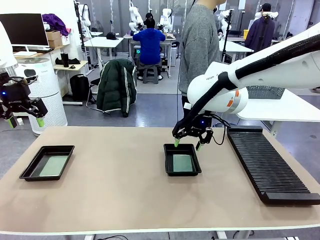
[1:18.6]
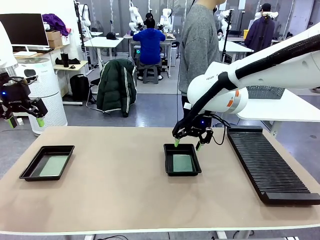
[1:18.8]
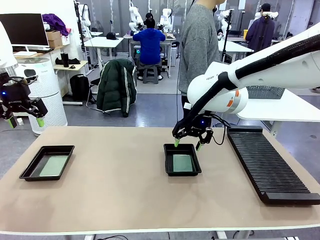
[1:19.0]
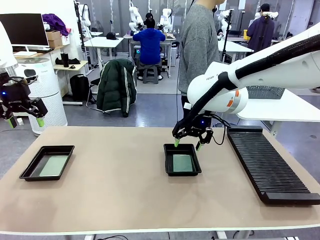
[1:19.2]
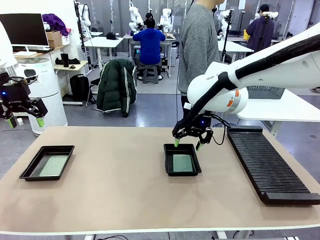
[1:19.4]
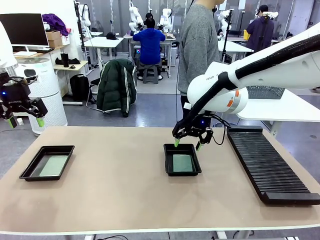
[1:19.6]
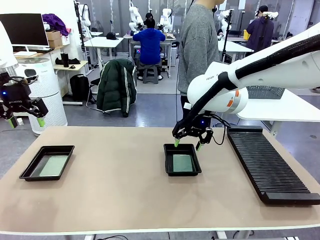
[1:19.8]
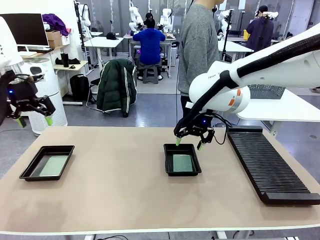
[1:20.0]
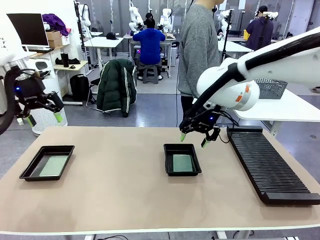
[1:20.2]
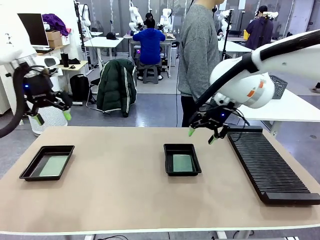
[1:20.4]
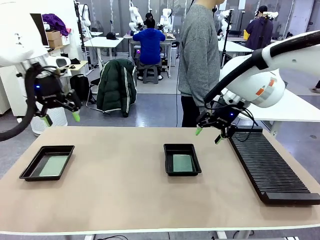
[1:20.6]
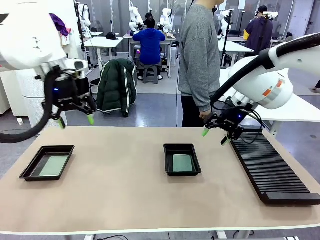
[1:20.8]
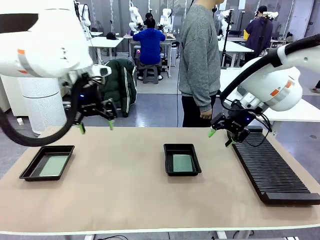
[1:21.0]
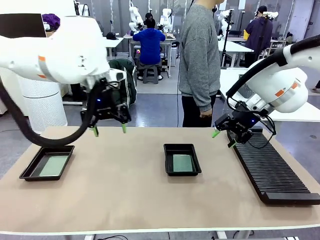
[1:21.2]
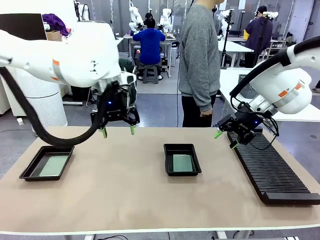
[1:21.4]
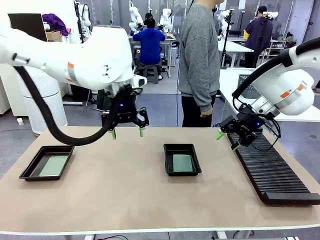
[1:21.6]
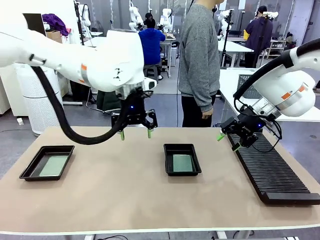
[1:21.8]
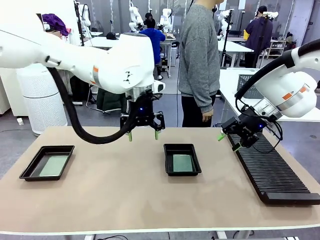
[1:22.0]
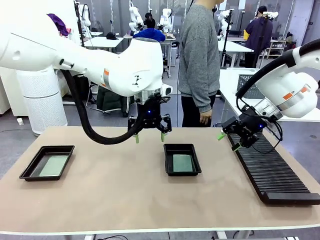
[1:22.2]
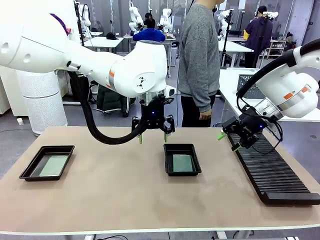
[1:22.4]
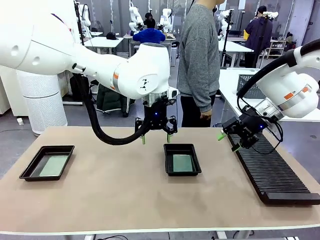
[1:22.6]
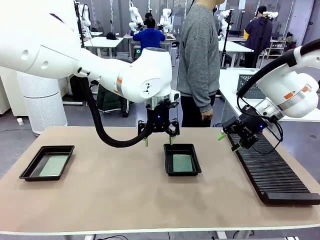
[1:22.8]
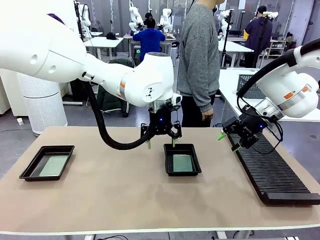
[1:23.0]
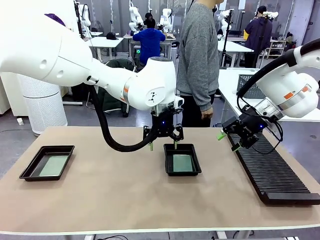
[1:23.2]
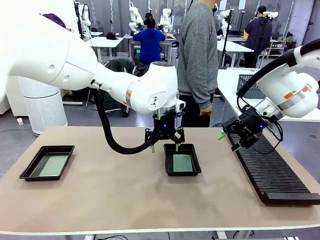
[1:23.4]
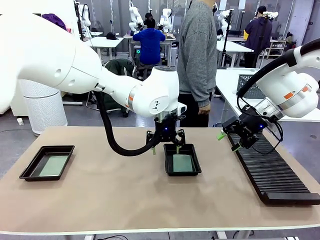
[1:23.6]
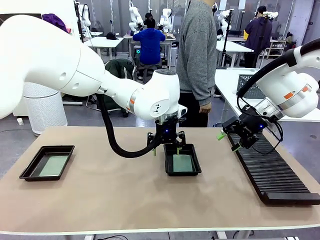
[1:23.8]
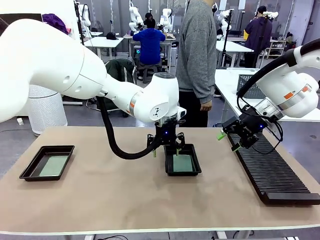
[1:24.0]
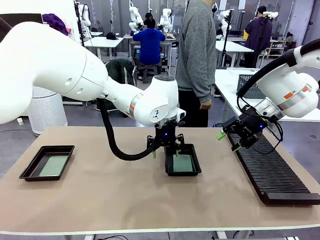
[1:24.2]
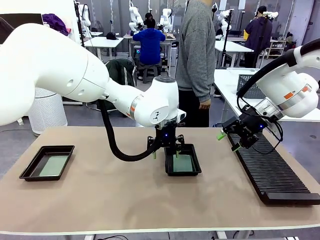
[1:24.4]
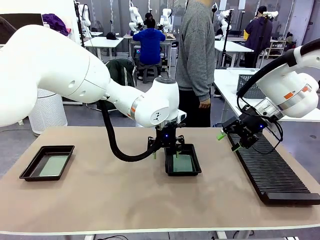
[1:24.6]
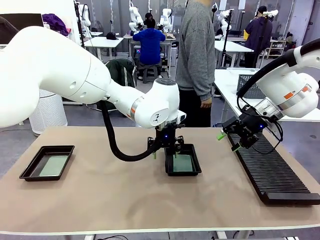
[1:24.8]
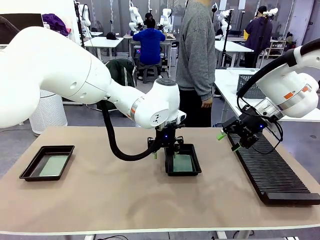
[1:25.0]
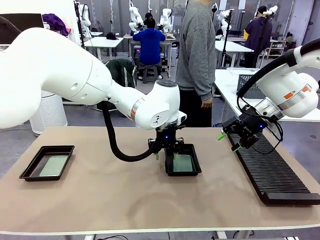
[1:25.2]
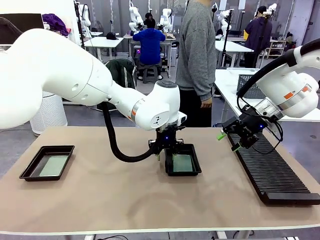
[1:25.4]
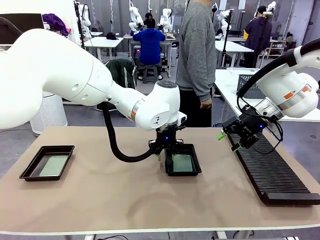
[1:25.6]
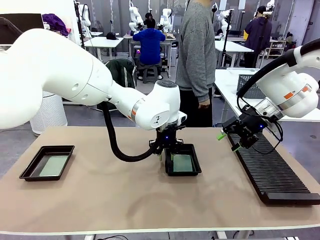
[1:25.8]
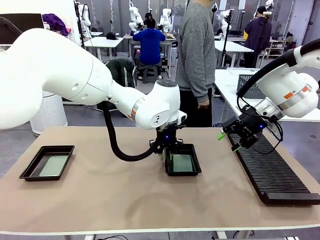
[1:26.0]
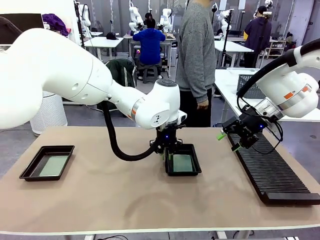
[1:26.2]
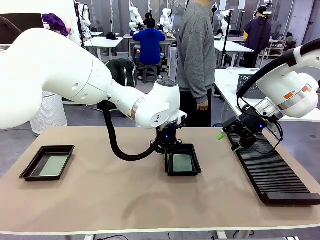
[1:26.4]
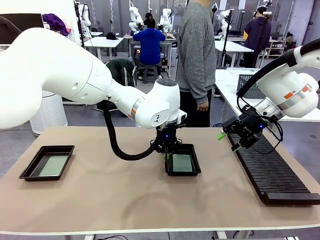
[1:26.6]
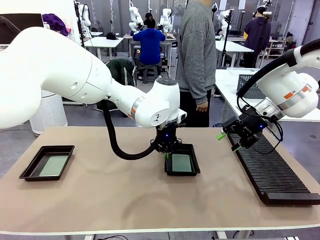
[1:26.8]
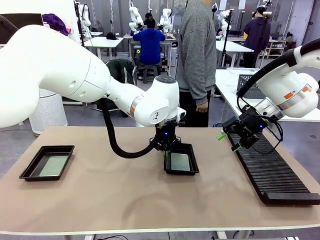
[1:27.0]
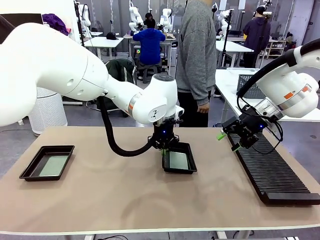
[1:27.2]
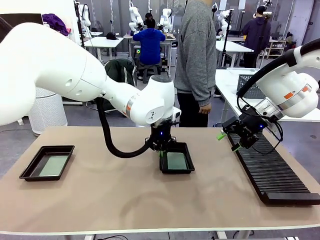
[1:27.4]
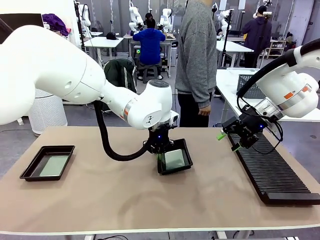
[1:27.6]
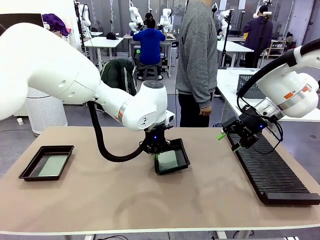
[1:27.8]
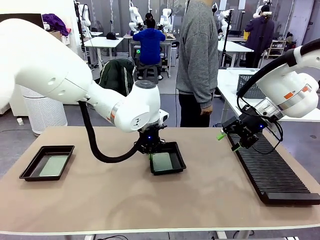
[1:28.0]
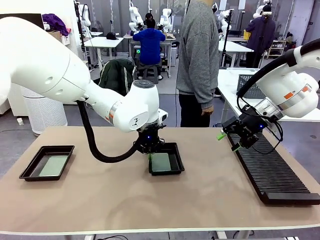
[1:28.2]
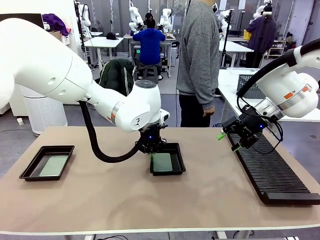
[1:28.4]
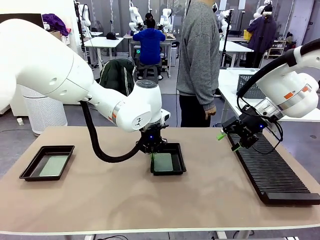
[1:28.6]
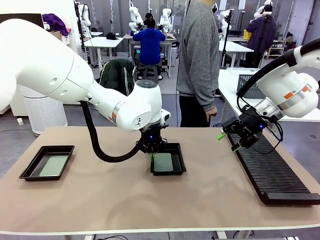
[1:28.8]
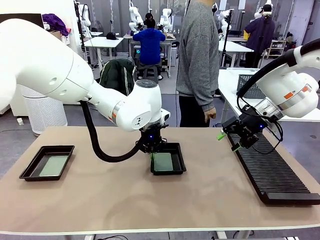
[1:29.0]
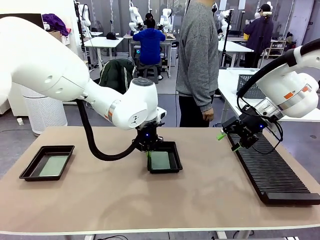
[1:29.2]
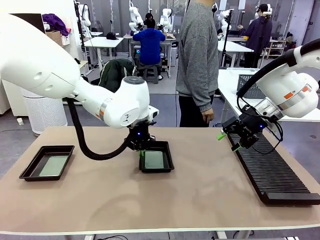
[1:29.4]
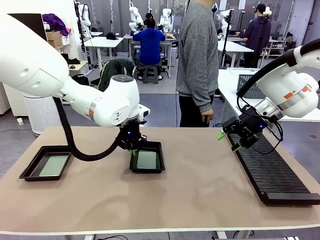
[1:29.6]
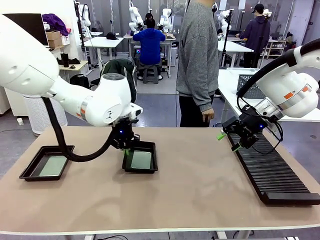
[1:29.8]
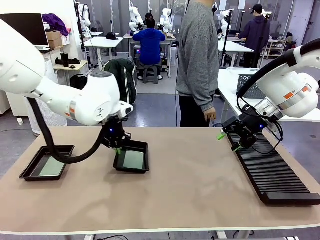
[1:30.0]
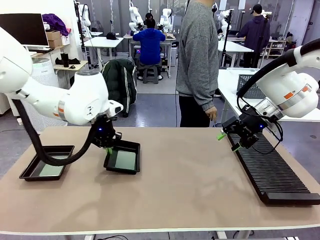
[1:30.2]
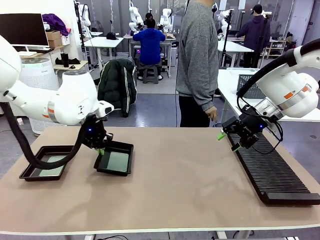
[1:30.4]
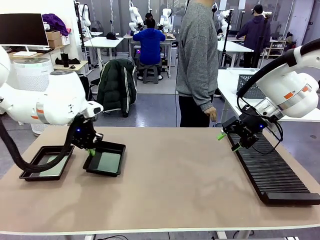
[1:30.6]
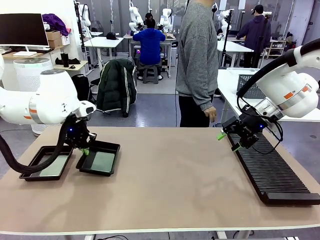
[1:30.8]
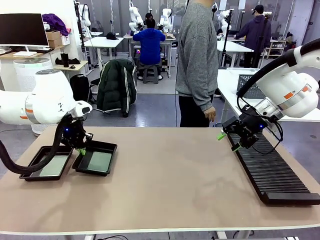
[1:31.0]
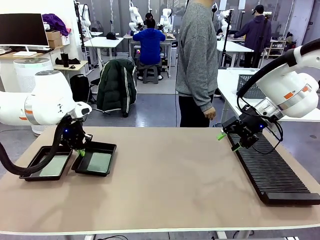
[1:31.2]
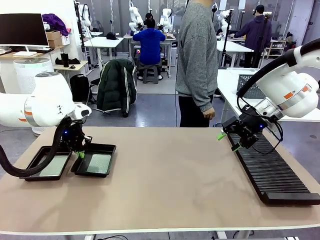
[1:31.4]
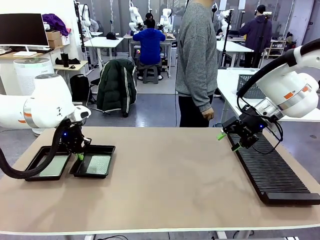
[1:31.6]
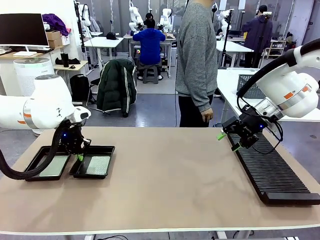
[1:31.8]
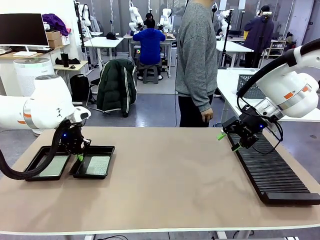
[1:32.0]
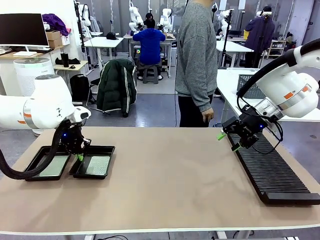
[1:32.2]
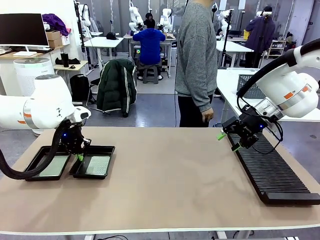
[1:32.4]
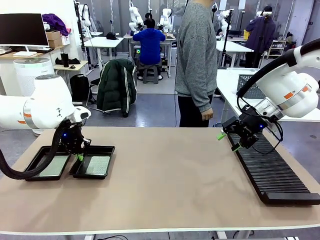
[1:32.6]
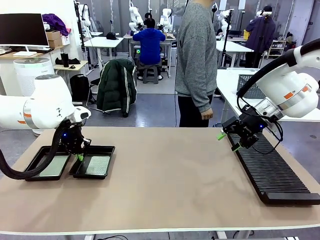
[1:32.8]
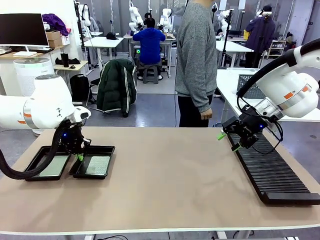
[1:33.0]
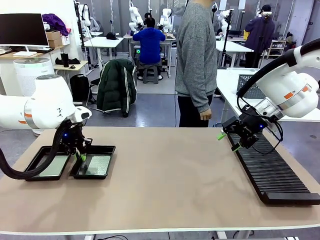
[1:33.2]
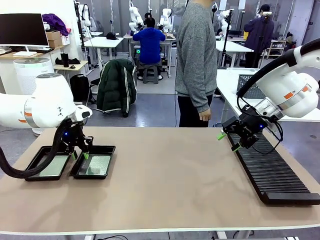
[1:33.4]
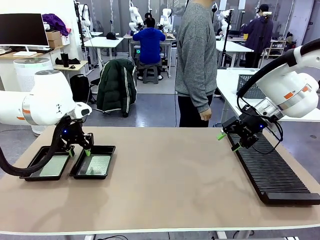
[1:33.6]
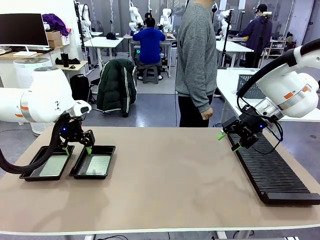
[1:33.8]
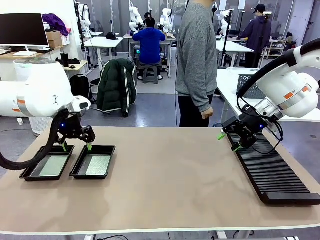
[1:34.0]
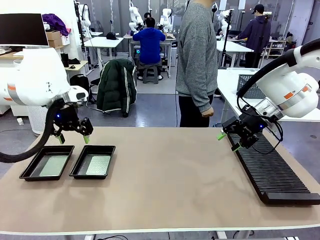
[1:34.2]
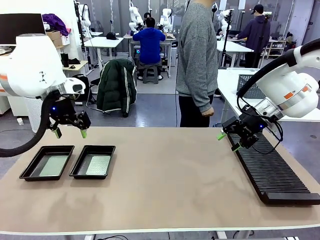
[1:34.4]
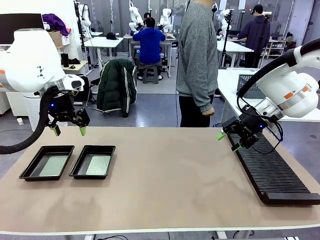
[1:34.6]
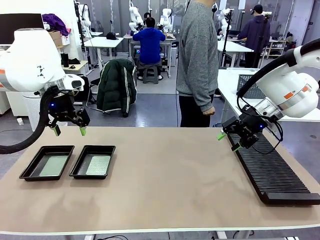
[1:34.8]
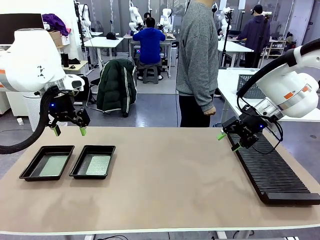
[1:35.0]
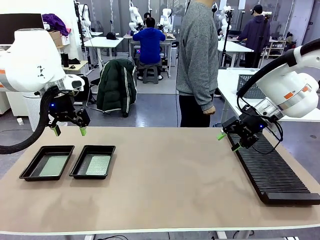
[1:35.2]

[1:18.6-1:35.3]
Task: Inspect and transfer BCBs to ESD trays.
Robot: Pick up the ESD tray and place it on the left side of the table.
